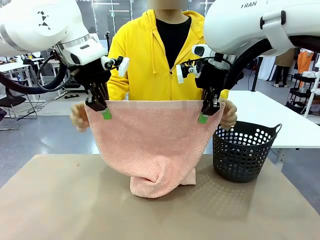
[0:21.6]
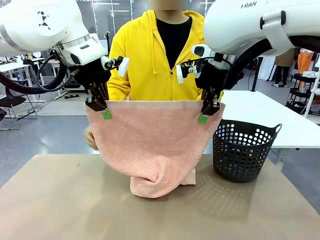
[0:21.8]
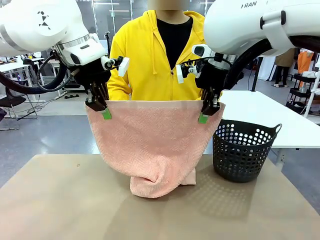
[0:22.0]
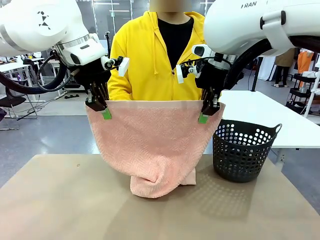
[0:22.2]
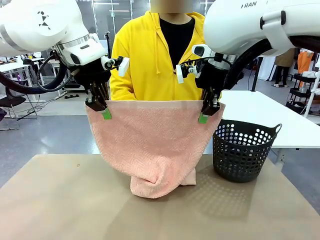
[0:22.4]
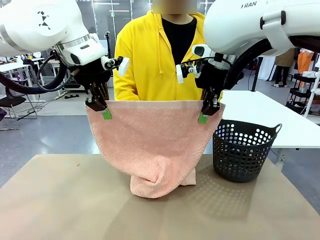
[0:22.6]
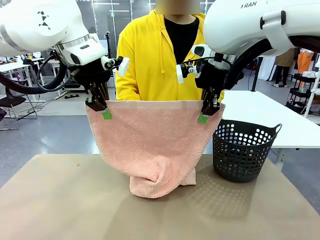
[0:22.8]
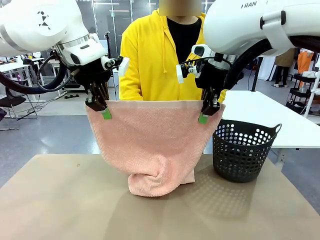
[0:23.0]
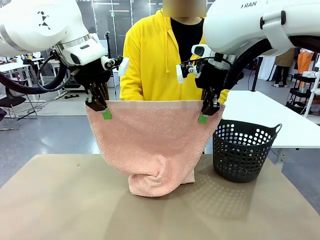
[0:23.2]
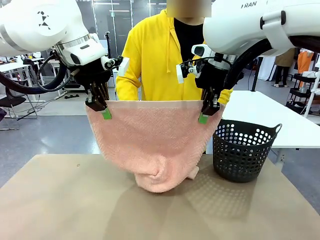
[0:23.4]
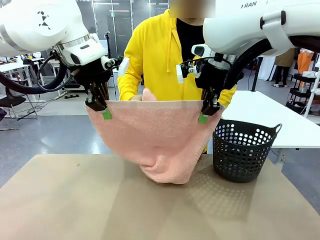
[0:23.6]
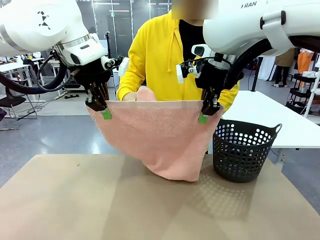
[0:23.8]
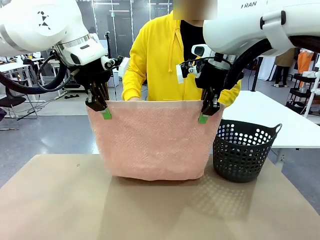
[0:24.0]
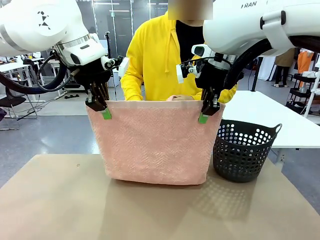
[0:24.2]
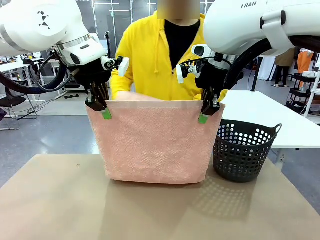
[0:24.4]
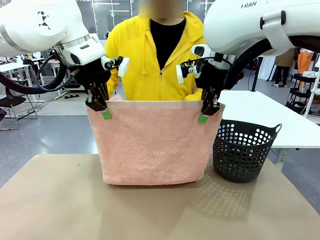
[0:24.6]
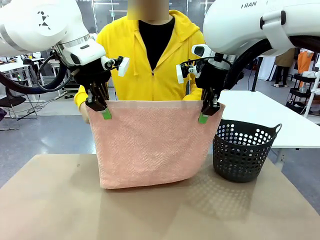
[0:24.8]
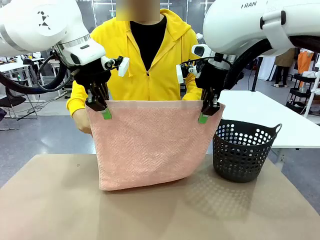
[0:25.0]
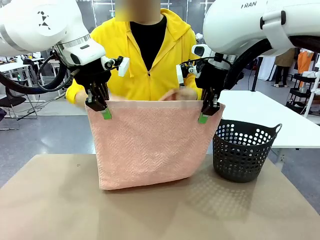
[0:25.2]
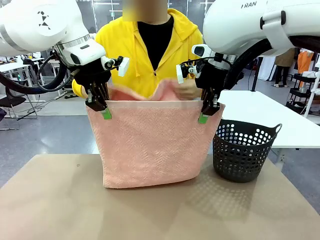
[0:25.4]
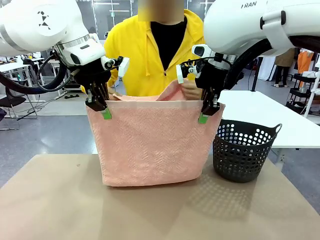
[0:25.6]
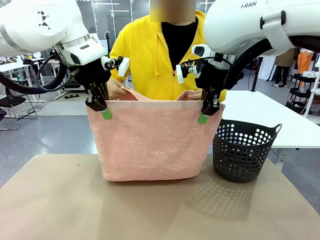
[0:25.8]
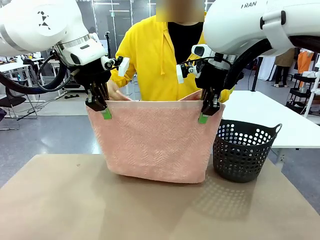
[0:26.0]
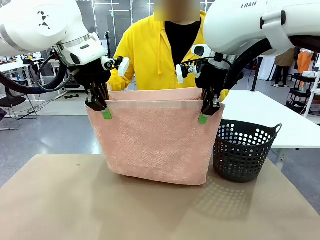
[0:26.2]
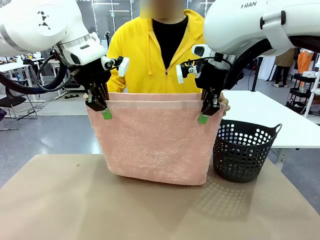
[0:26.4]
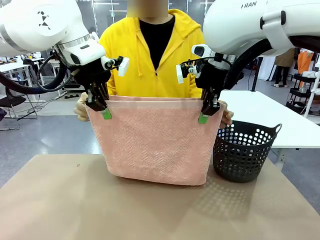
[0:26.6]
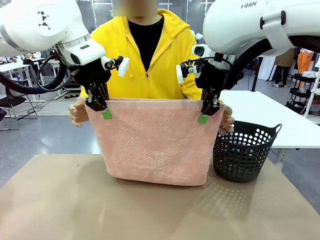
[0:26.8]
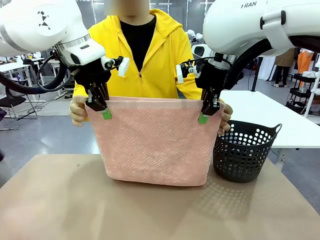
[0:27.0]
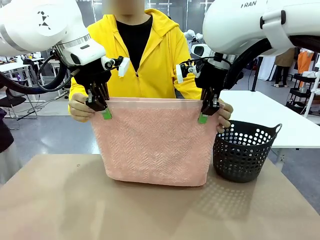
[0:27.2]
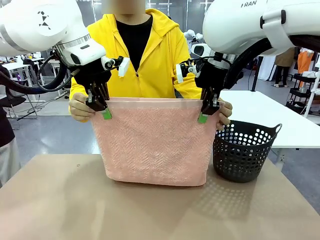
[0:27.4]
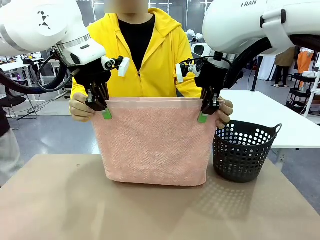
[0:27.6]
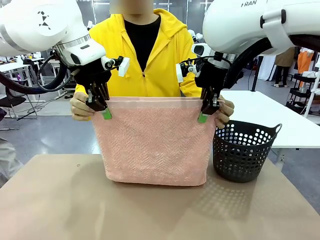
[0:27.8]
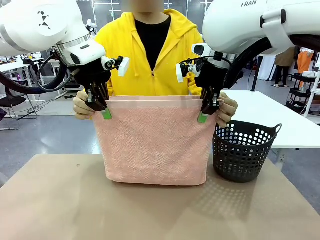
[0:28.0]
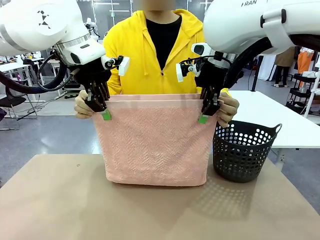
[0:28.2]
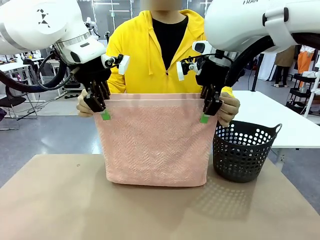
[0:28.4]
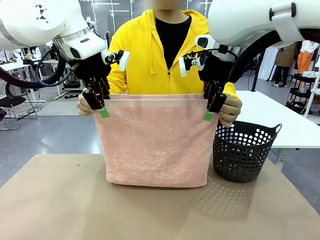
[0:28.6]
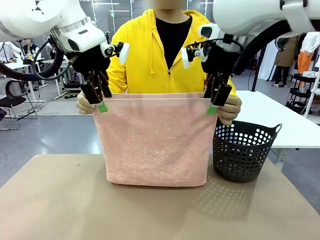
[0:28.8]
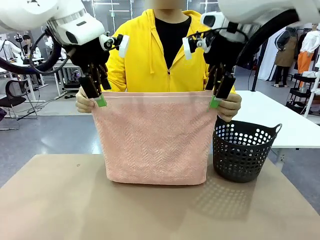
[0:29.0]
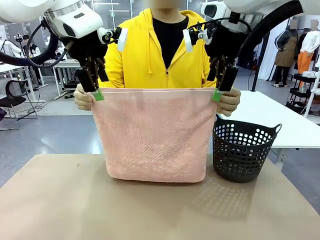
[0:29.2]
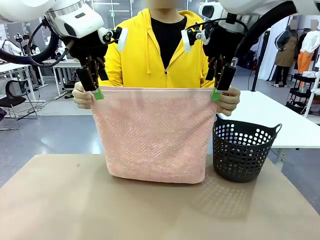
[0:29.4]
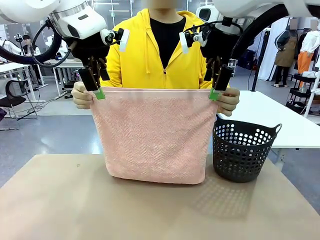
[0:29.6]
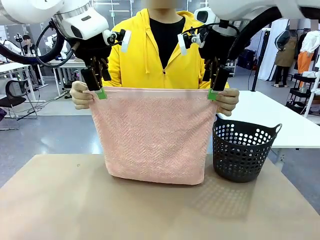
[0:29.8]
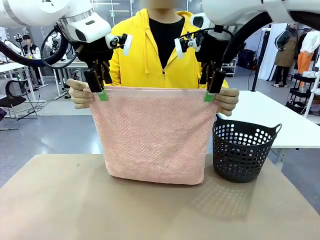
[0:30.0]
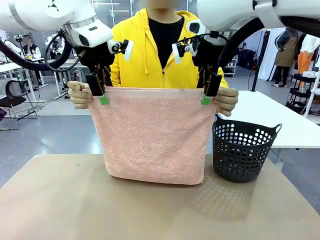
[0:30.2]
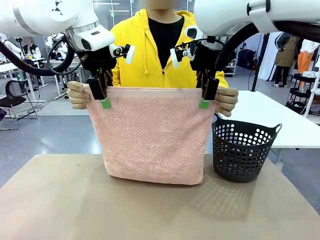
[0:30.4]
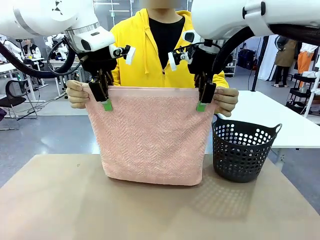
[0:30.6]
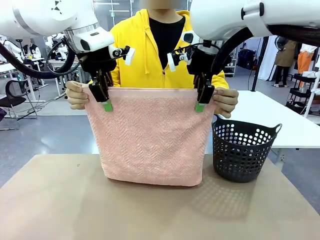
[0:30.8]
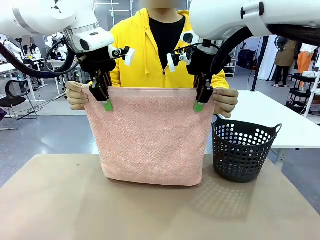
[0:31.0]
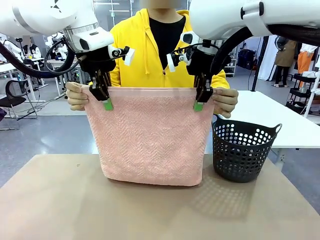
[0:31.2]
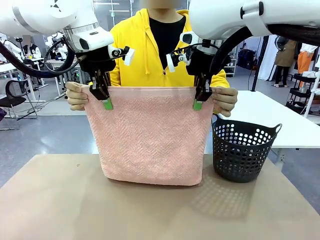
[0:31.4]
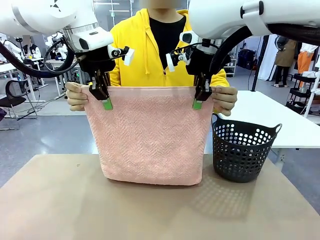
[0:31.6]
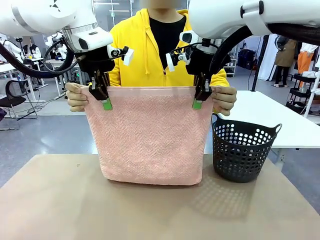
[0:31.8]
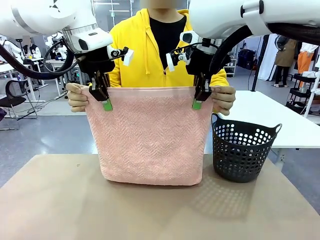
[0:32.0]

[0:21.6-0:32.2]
Task: Fold the towel.
Robot: Release the end of the 100 cm Hotel Towel you were holding and grab the top end of the folded side.

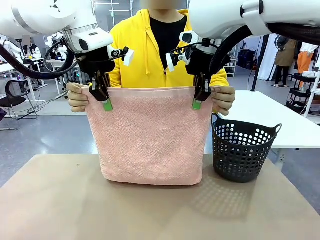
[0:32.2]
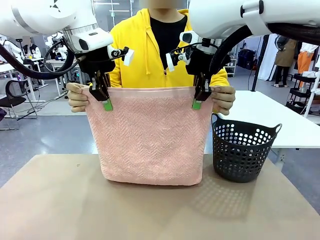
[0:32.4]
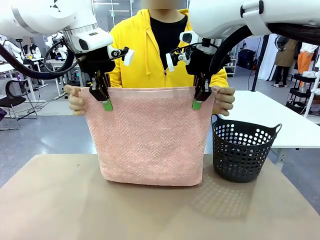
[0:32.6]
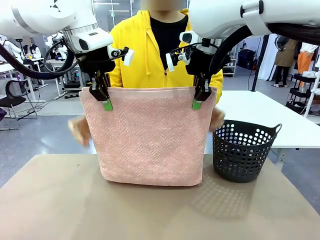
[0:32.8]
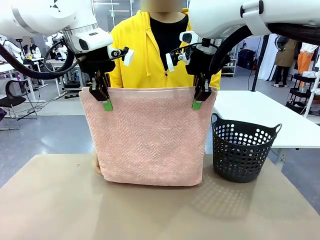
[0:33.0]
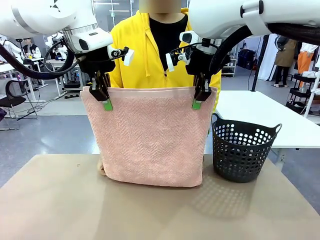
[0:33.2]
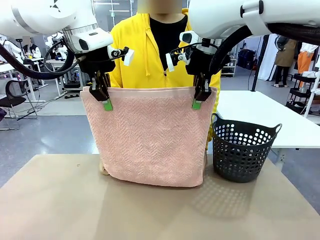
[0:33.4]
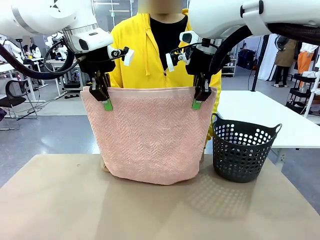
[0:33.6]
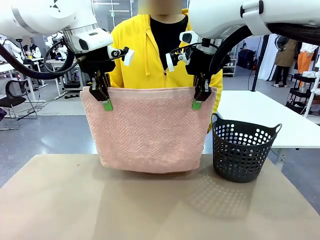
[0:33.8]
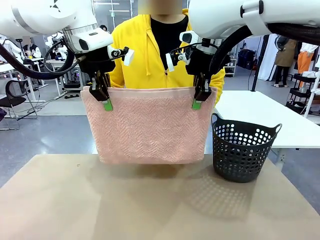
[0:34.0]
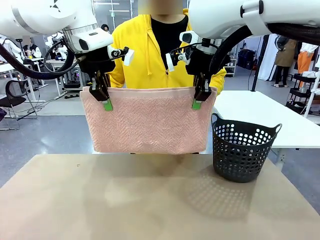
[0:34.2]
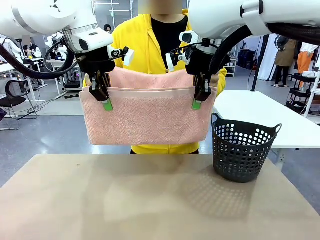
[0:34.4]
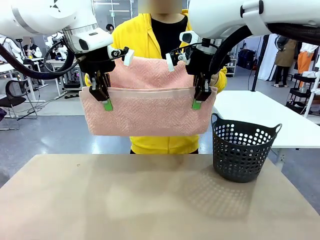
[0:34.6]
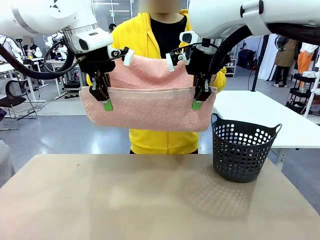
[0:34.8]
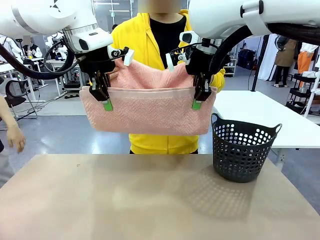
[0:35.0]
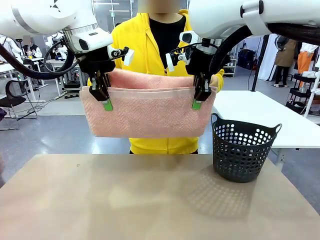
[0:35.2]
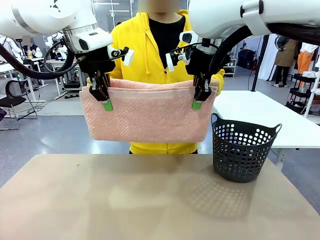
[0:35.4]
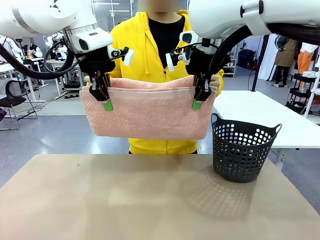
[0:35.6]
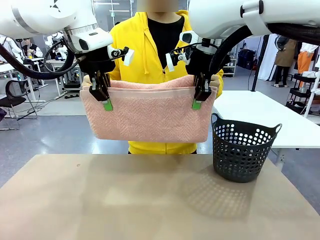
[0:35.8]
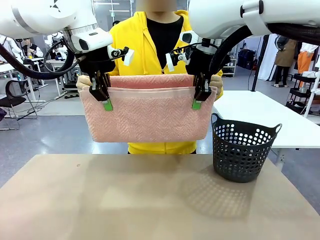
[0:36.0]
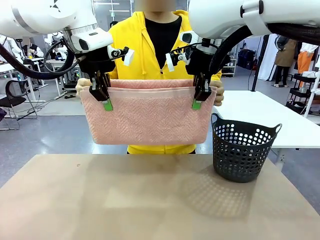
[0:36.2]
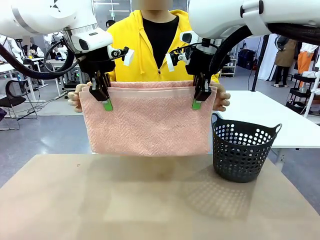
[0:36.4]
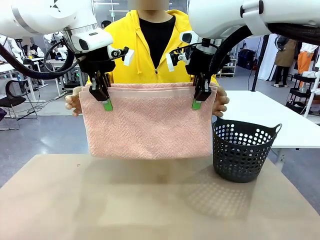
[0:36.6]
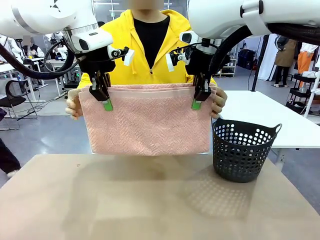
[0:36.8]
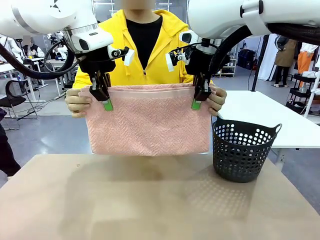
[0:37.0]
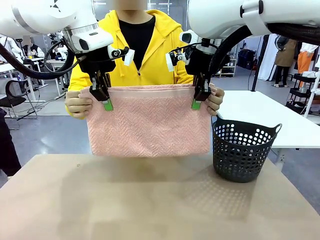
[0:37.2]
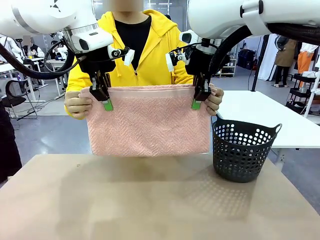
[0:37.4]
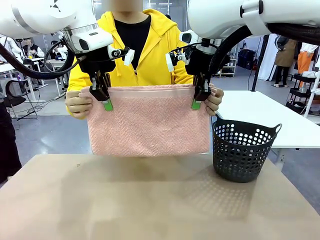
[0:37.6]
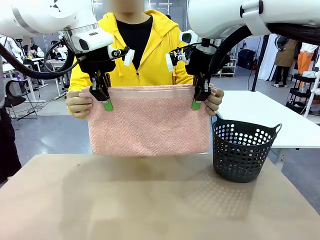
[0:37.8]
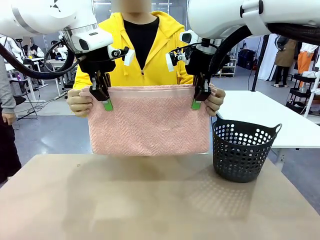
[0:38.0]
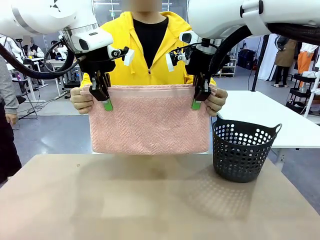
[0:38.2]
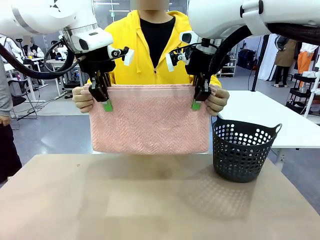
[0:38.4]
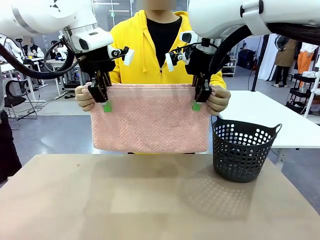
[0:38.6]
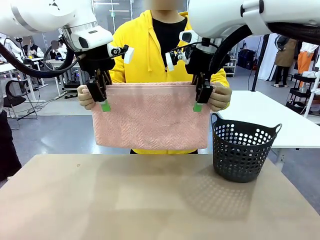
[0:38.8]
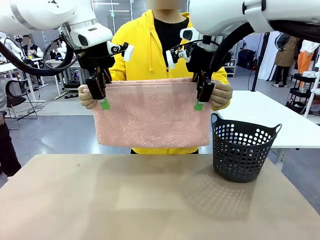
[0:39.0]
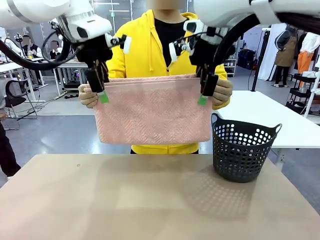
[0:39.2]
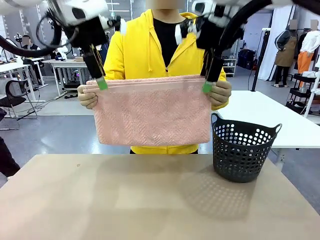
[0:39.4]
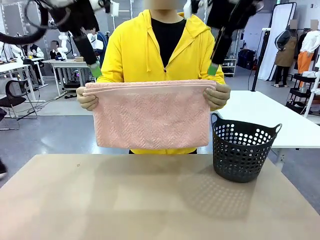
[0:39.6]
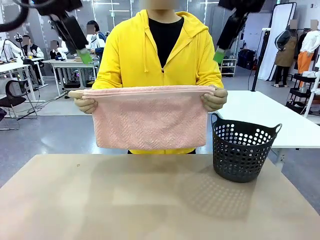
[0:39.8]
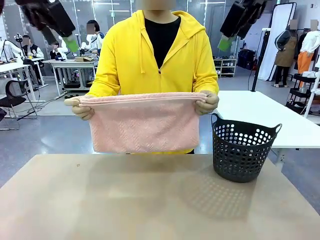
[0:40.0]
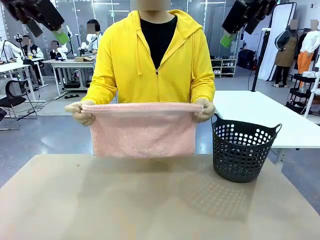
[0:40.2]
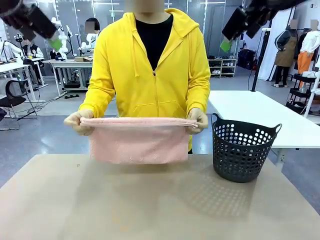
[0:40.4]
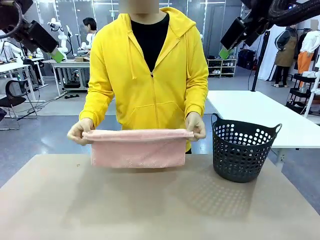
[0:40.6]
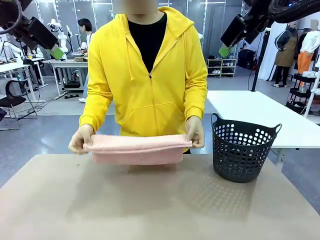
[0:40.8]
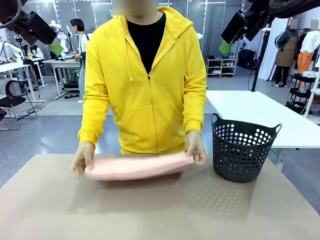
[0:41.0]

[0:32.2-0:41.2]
Robot: Release the end of the 100 cm Hotel Towel you were holding.
Person: Place the towel at the center of the robot table and fold it in half.
